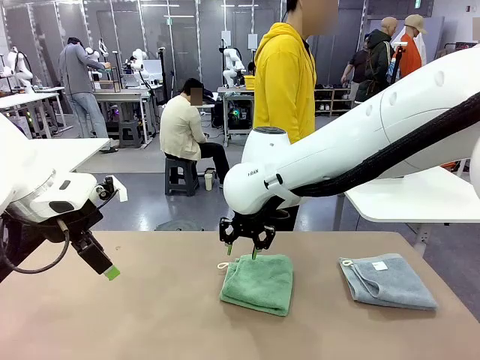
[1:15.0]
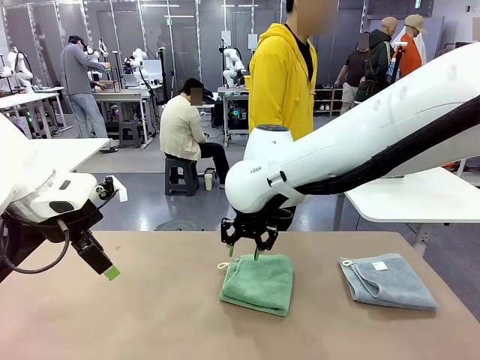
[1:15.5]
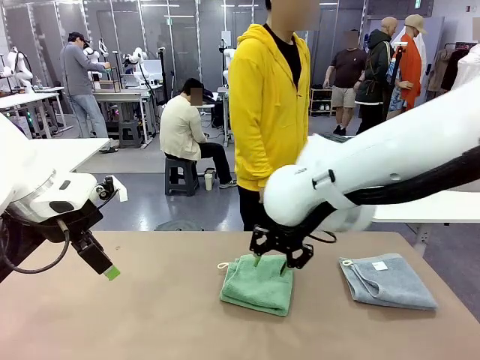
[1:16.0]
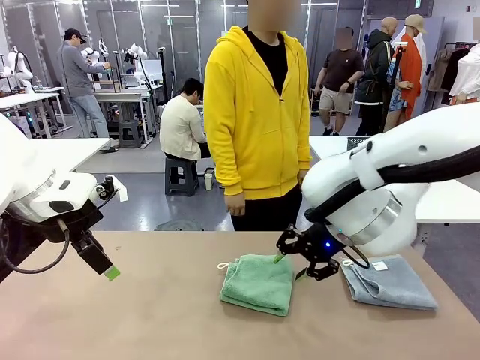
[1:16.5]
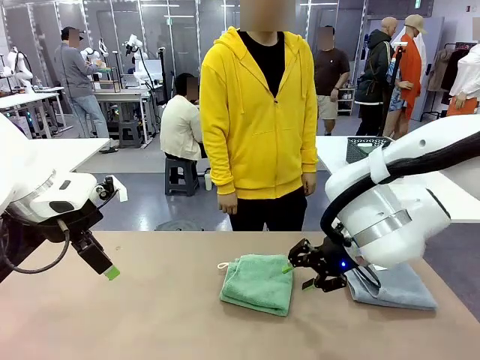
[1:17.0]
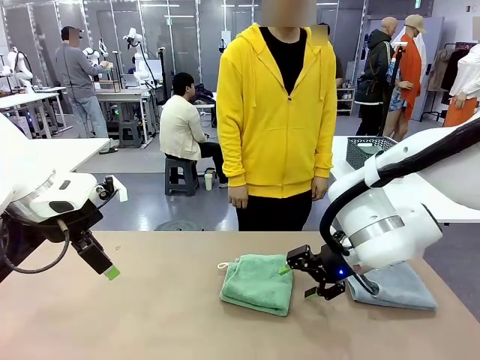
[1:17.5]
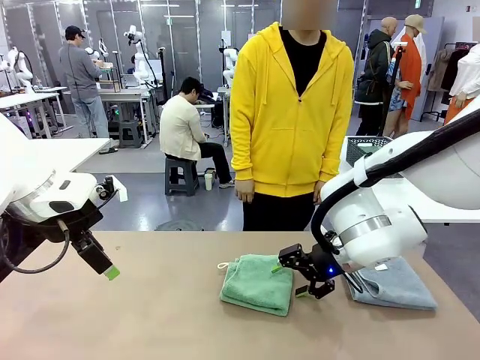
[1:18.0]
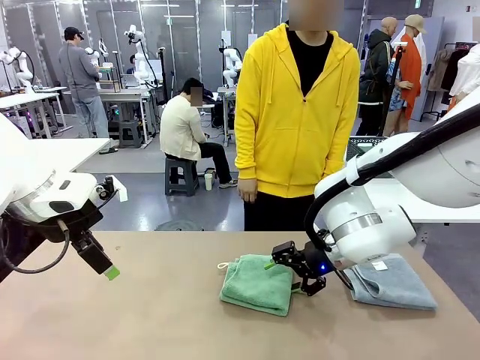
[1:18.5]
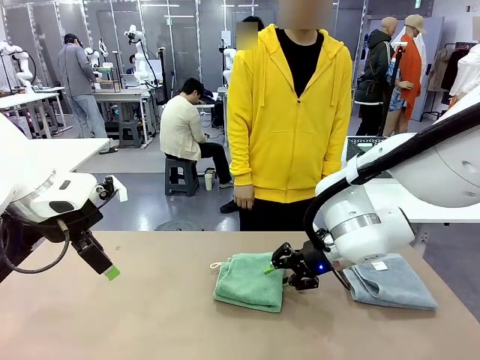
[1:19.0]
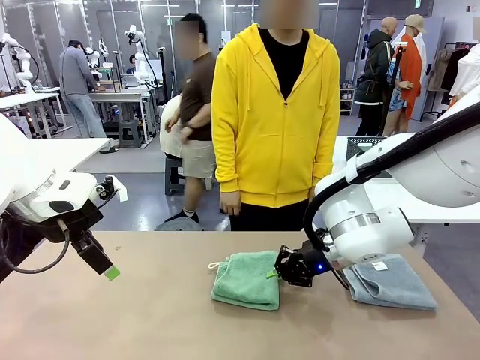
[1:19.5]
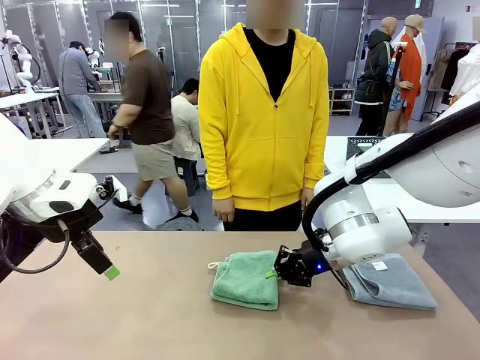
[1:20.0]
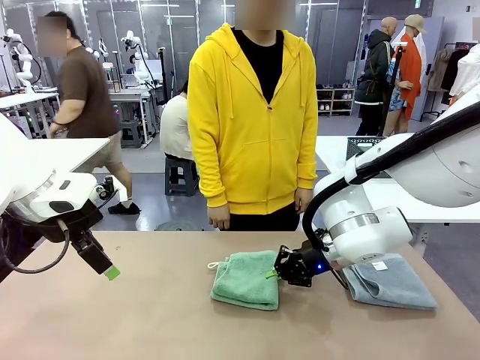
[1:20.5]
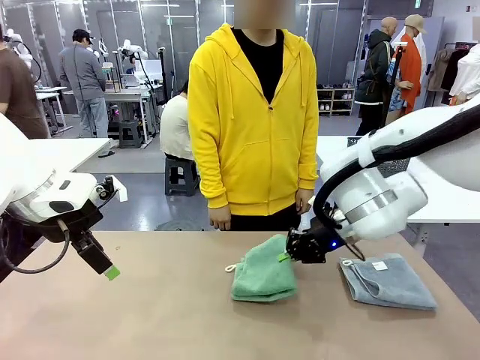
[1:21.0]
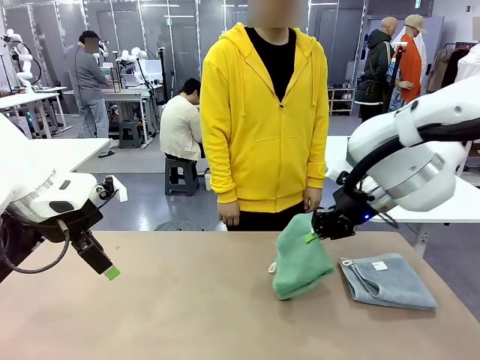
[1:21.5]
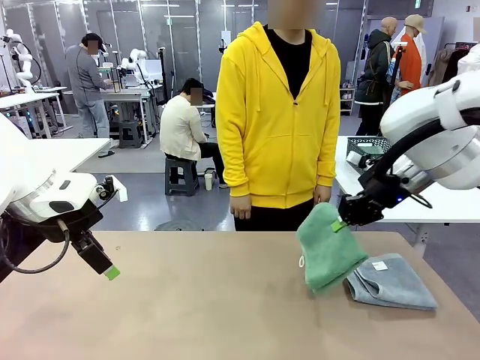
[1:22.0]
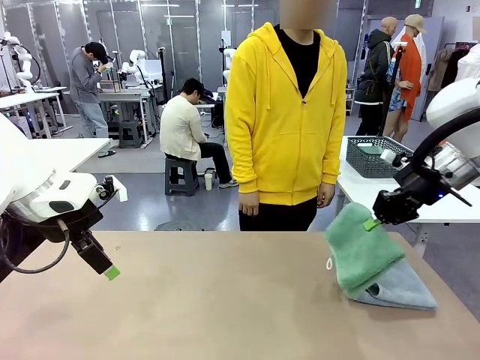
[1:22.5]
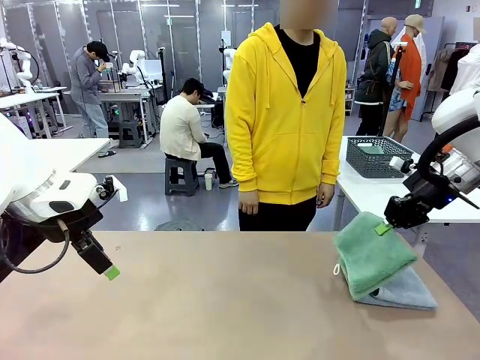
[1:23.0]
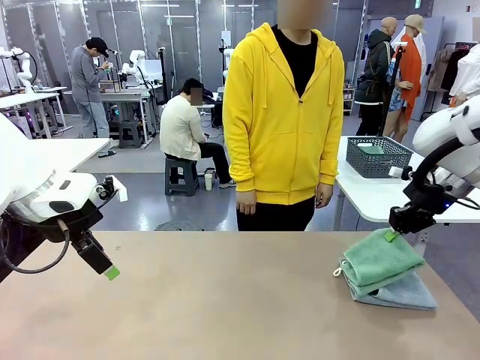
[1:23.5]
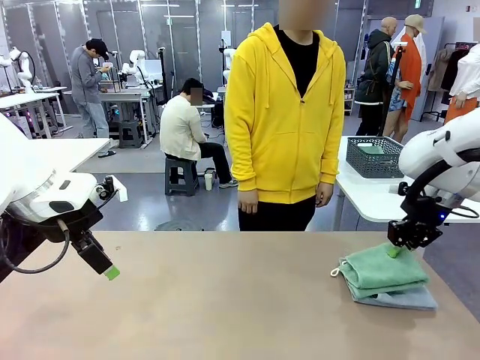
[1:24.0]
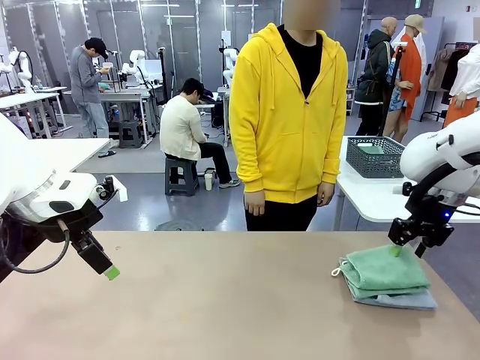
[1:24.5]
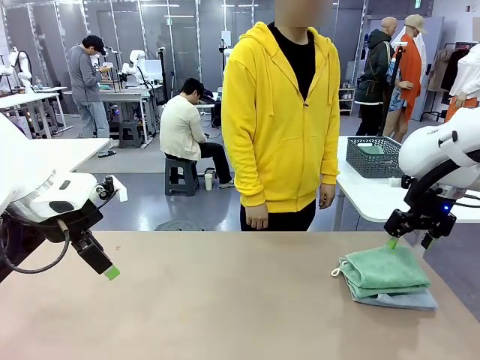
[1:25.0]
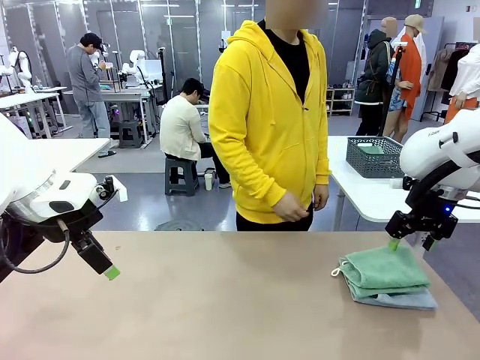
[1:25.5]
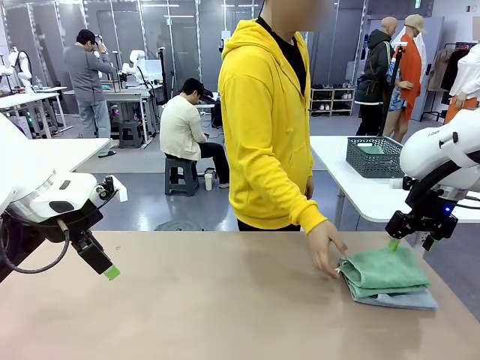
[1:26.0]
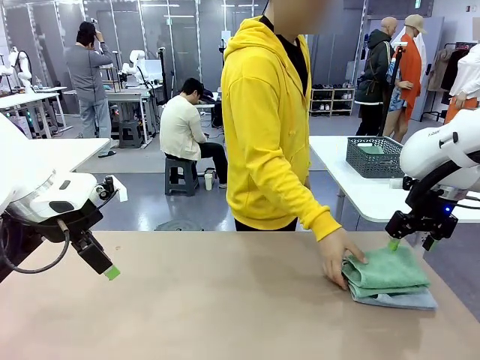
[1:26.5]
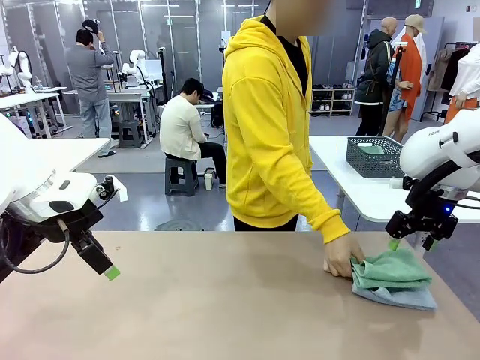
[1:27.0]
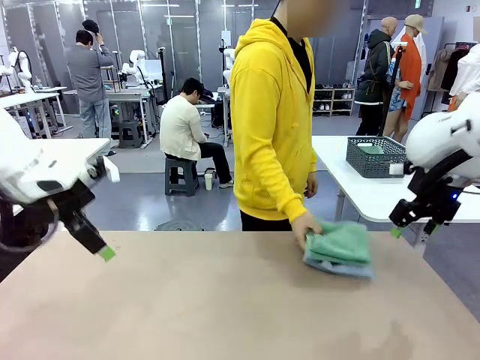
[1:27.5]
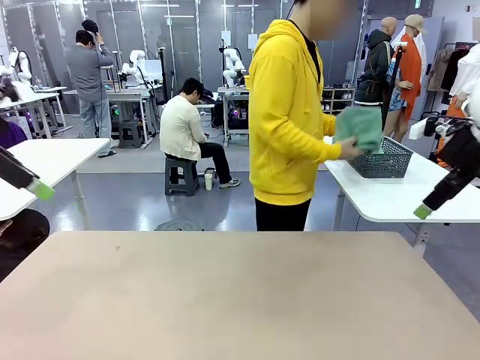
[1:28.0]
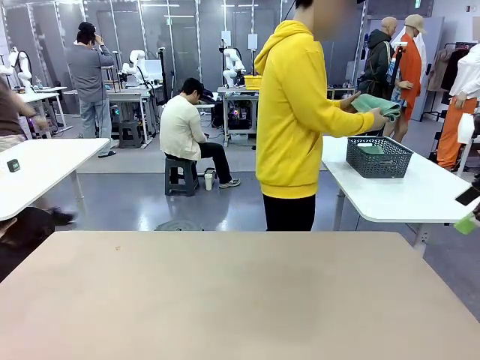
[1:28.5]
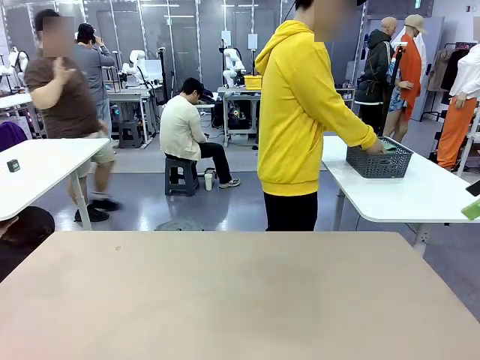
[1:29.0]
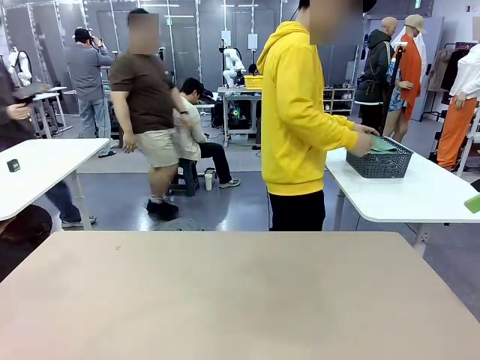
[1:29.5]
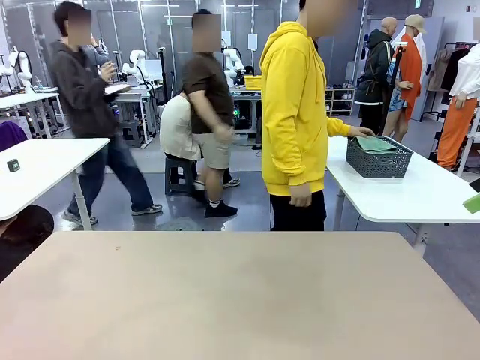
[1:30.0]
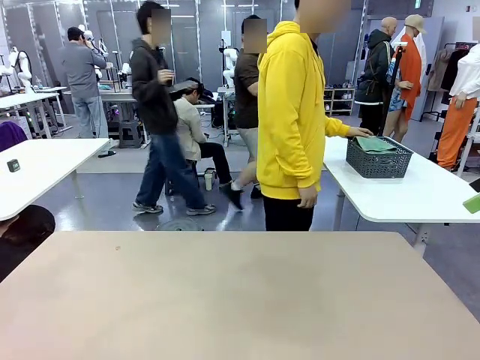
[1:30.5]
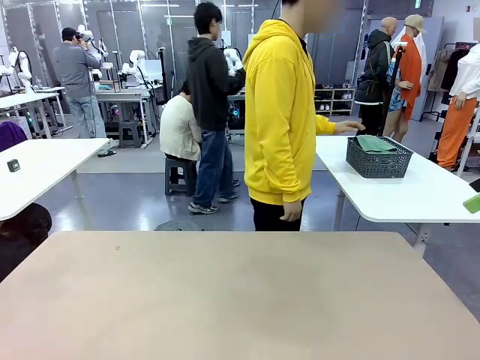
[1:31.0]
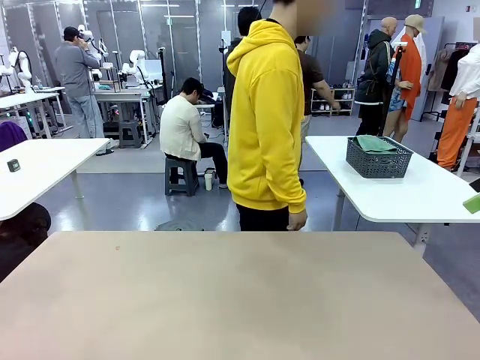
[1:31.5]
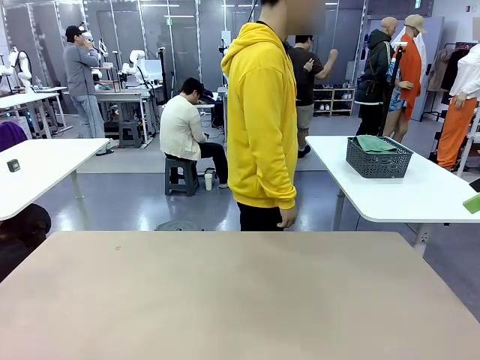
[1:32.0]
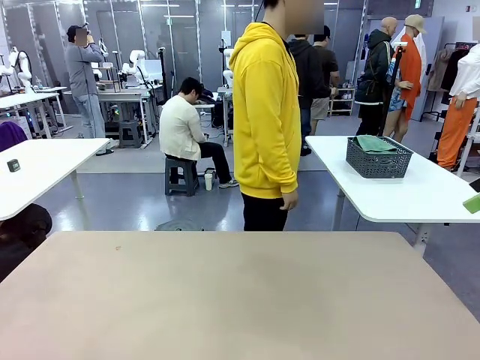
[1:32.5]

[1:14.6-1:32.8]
Task: Fold the towels and place them in the basket.
Robot: Stack the folded Towel with hook on the right side of the table.
Person: Pick up the stack of towels from the robot table and place it into the basket.

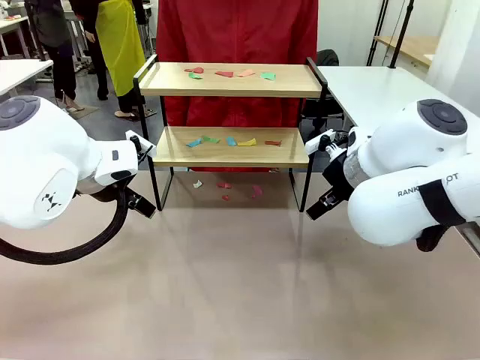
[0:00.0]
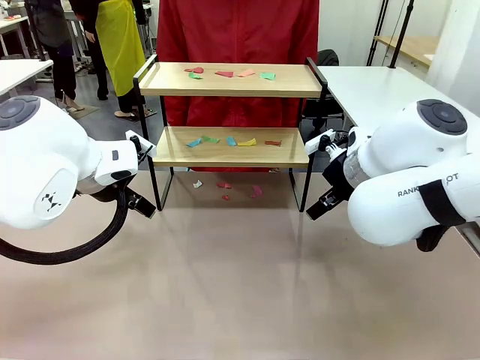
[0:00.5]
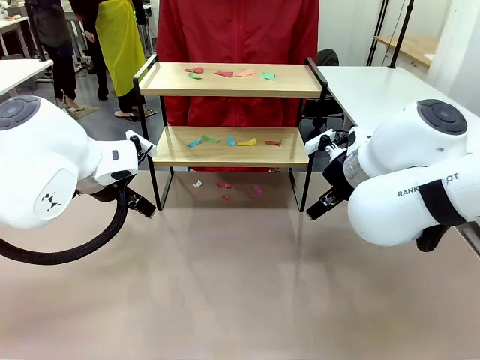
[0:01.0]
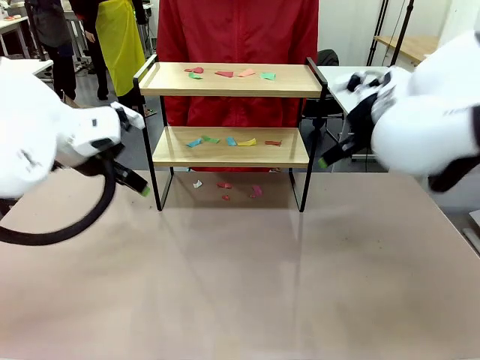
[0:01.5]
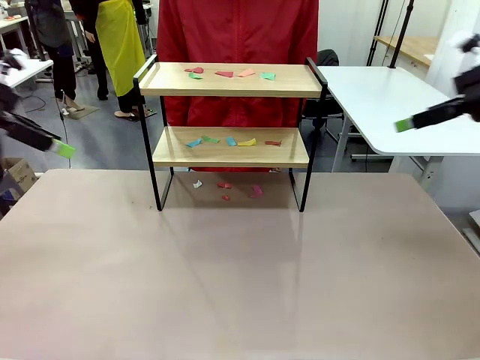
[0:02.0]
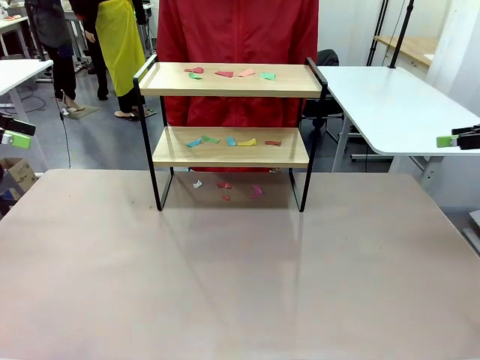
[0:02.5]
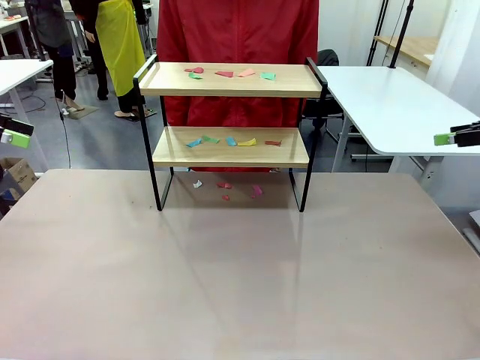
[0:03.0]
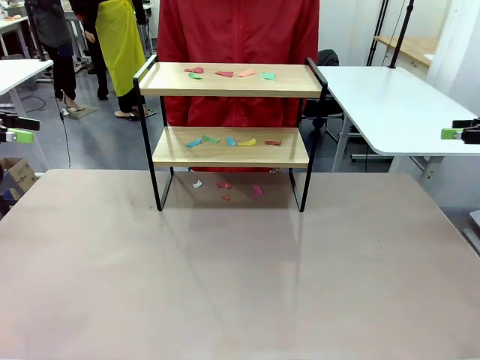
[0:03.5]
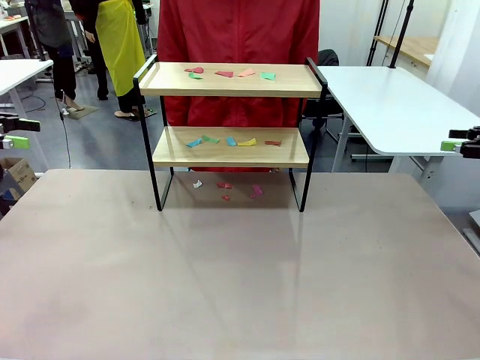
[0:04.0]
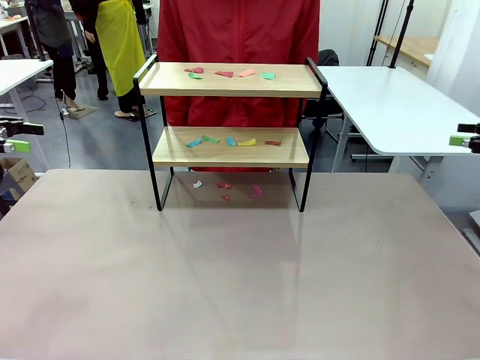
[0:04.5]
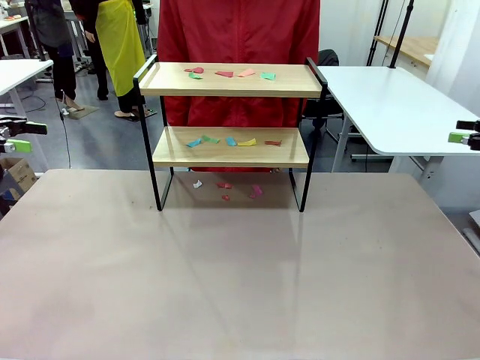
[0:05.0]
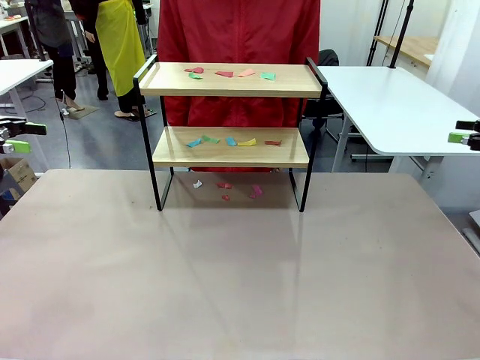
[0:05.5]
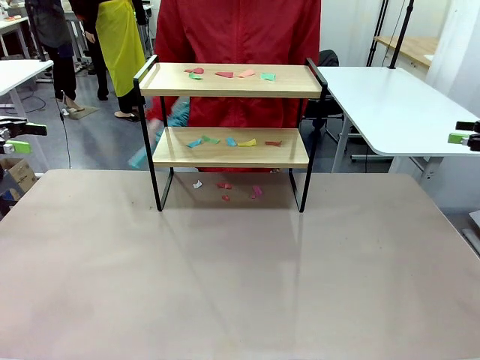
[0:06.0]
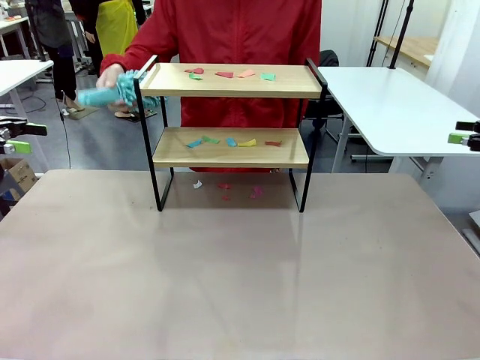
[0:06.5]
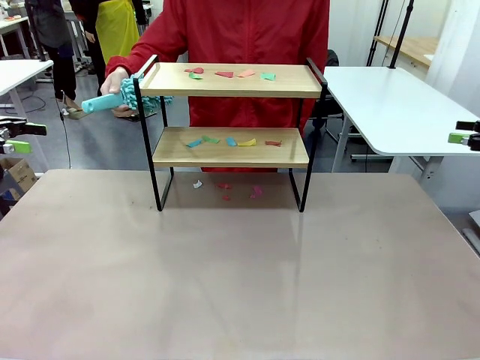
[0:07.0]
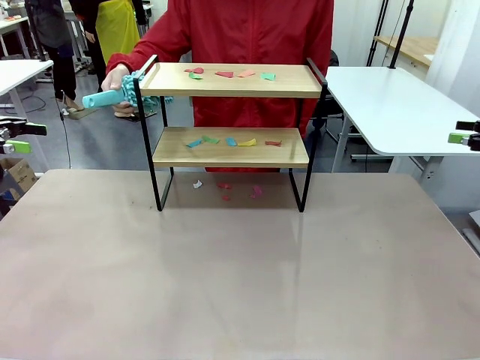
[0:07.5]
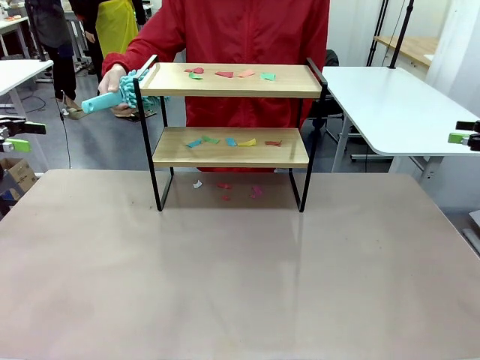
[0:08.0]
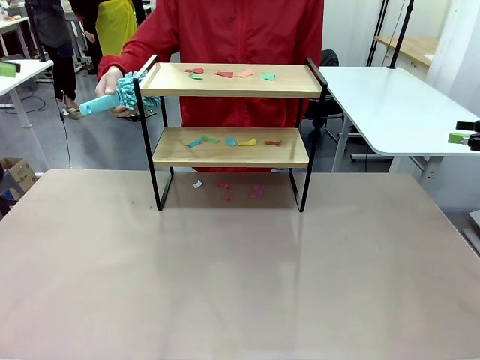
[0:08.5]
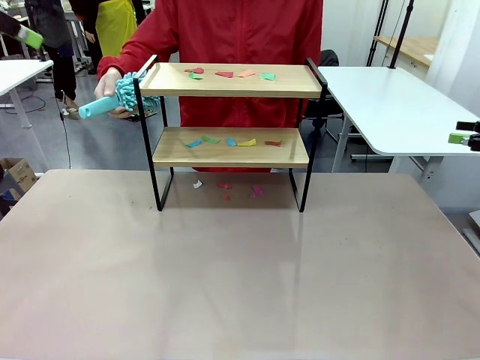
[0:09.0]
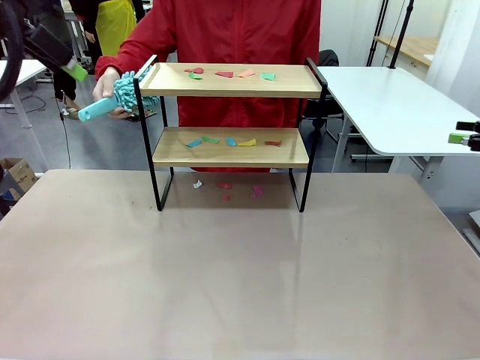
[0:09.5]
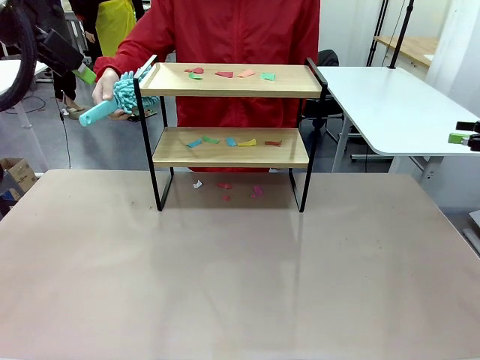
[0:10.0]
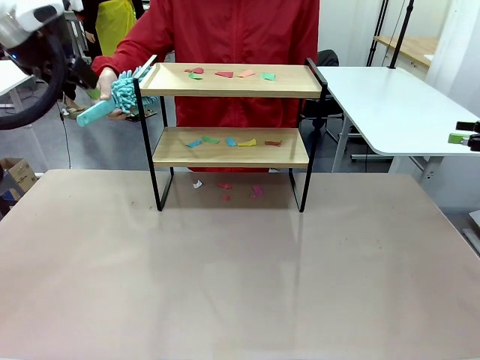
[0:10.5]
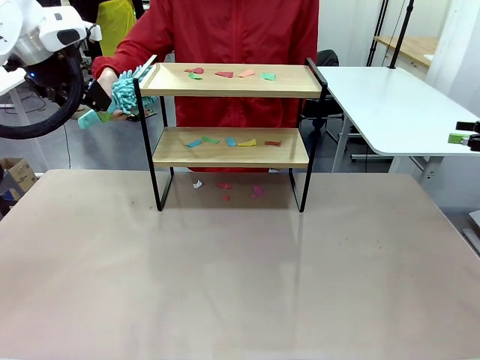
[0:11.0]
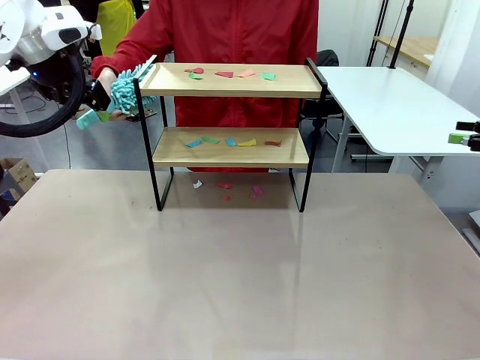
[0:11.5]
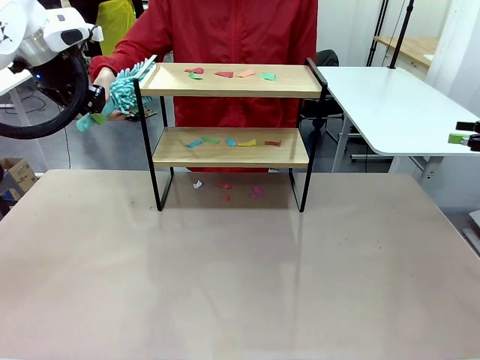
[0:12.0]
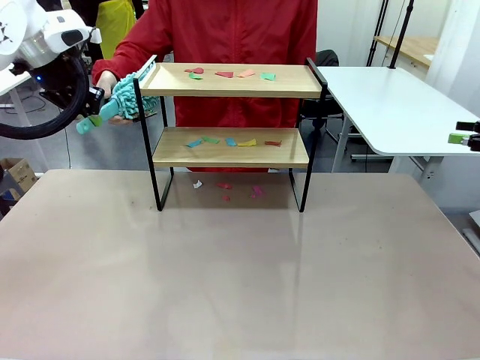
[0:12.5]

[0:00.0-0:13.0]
Task: Clean the shelf.
Robot: Pick up the Duster handed by the human.
Person: Hand the Duster to the robot.
